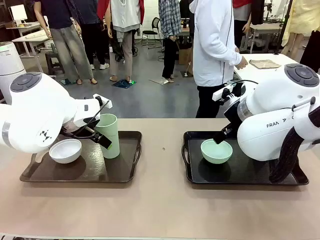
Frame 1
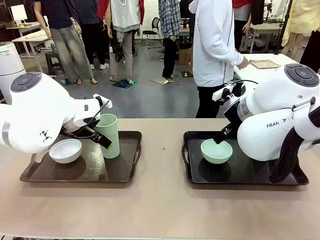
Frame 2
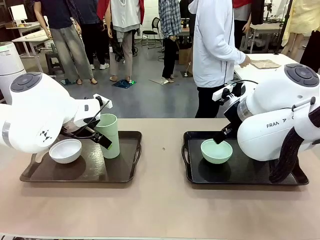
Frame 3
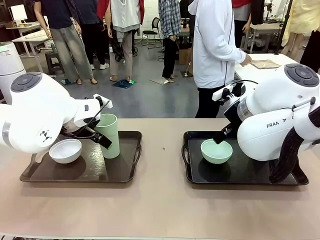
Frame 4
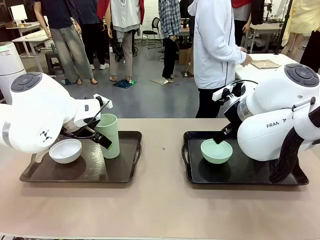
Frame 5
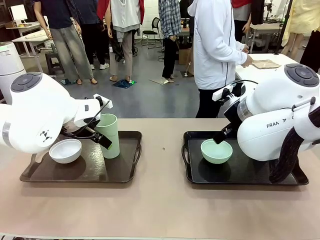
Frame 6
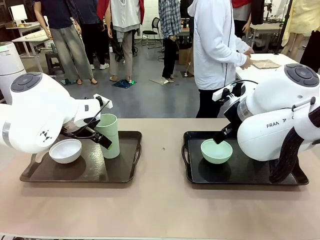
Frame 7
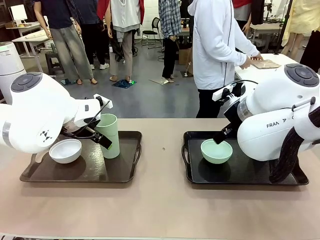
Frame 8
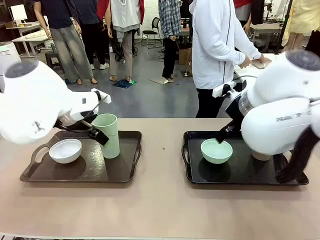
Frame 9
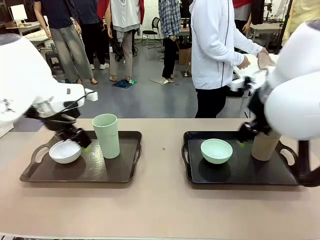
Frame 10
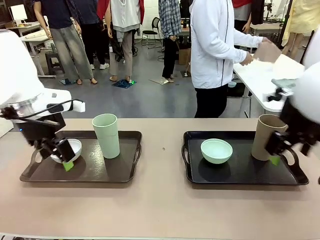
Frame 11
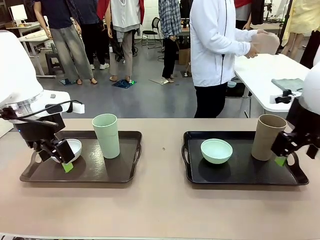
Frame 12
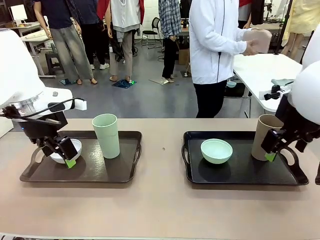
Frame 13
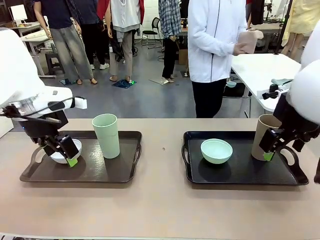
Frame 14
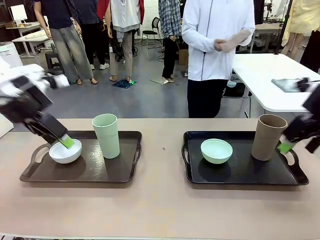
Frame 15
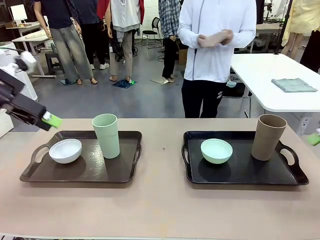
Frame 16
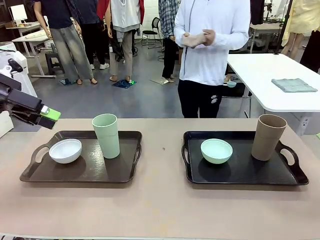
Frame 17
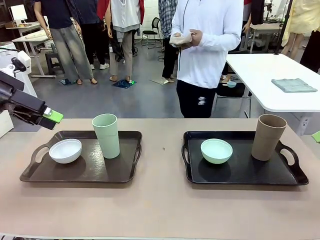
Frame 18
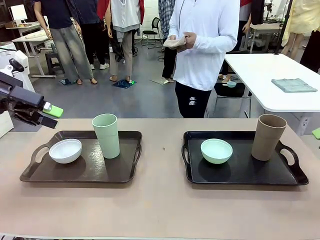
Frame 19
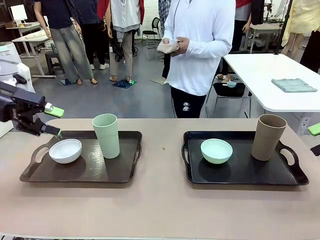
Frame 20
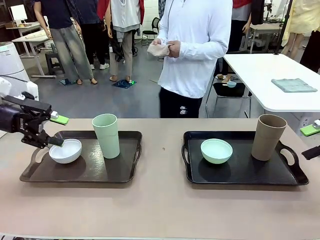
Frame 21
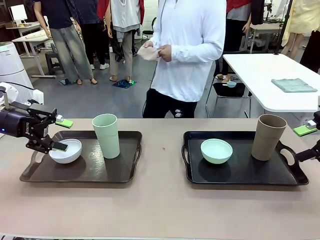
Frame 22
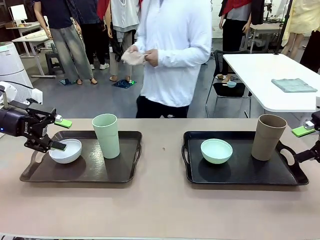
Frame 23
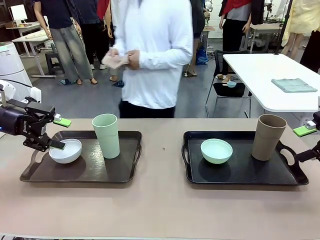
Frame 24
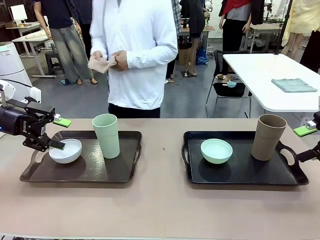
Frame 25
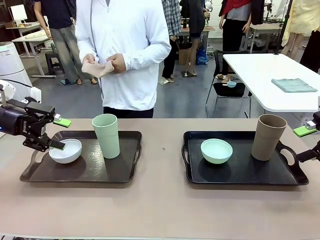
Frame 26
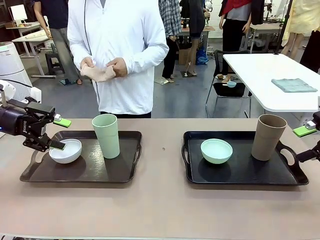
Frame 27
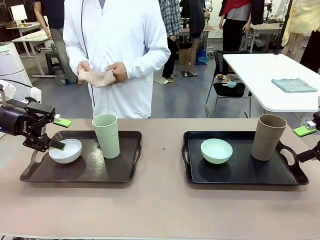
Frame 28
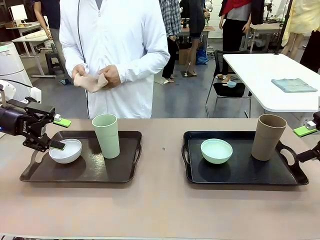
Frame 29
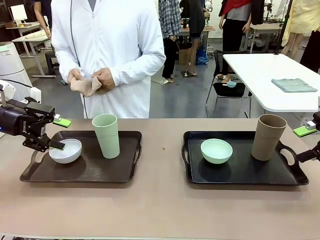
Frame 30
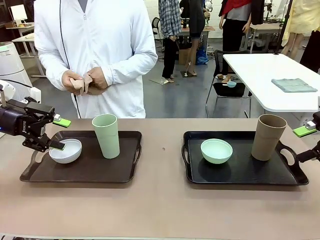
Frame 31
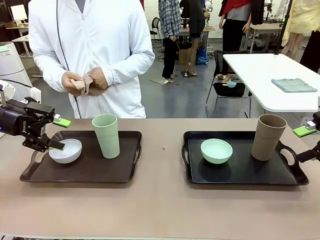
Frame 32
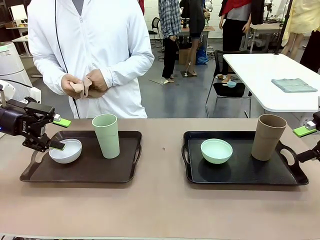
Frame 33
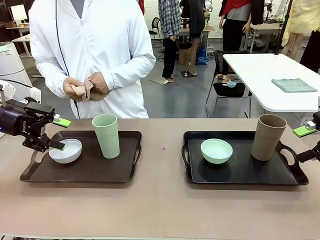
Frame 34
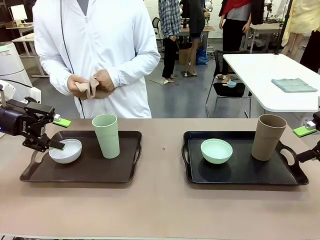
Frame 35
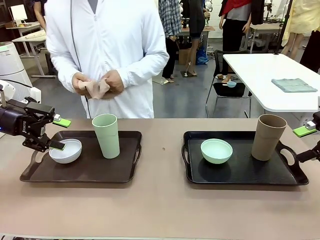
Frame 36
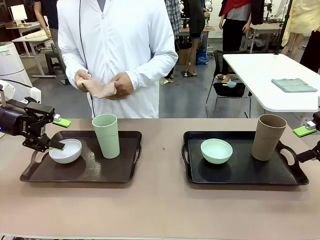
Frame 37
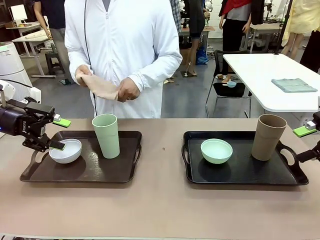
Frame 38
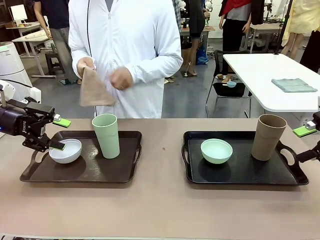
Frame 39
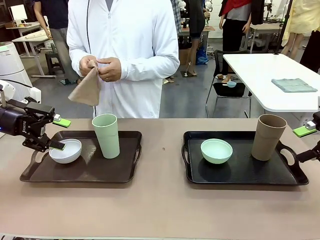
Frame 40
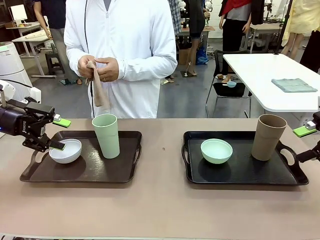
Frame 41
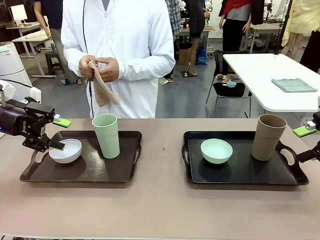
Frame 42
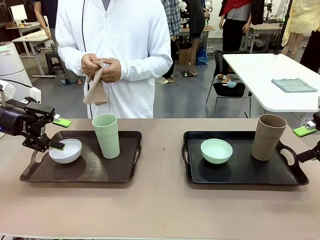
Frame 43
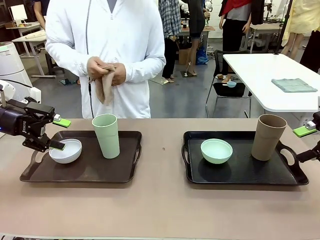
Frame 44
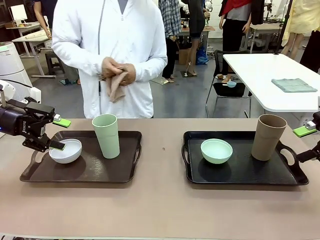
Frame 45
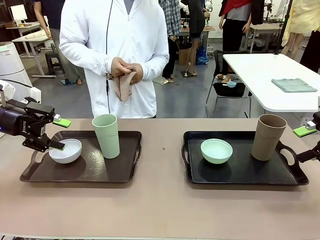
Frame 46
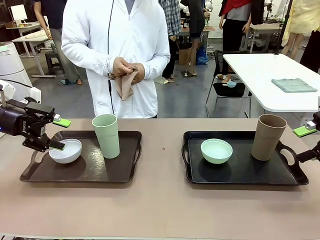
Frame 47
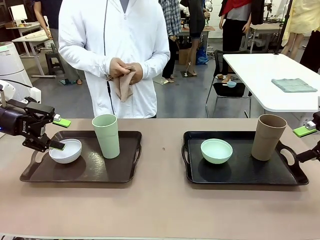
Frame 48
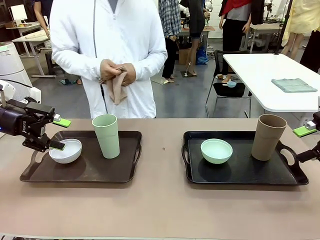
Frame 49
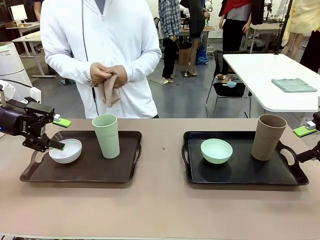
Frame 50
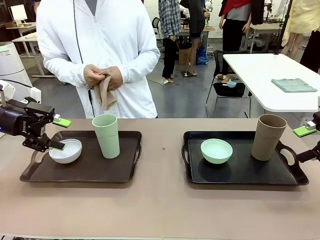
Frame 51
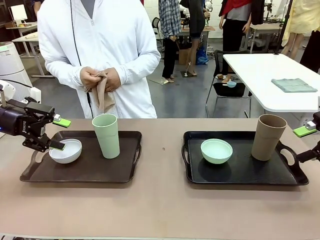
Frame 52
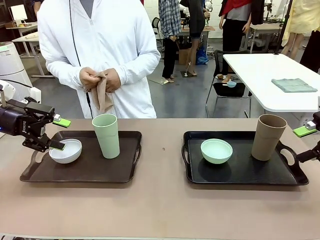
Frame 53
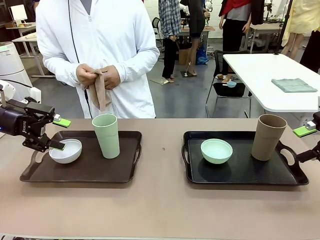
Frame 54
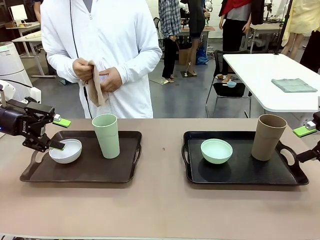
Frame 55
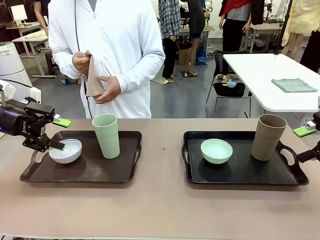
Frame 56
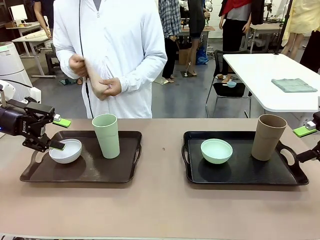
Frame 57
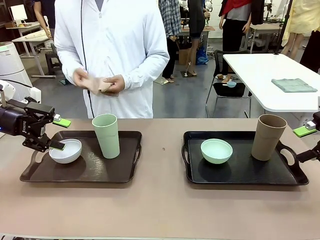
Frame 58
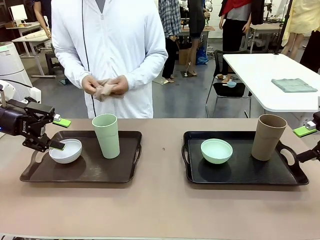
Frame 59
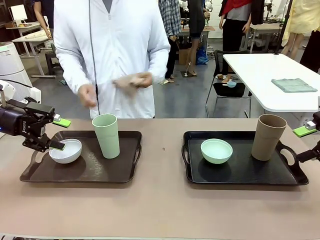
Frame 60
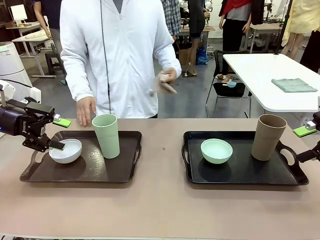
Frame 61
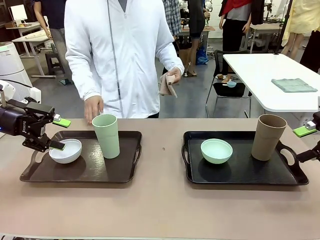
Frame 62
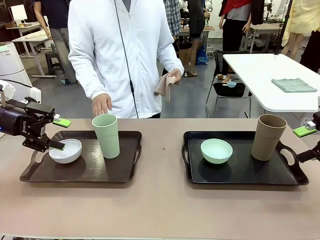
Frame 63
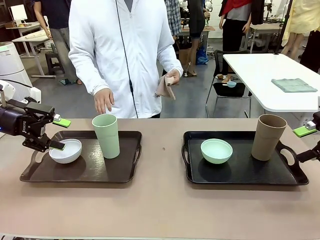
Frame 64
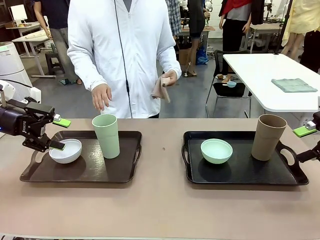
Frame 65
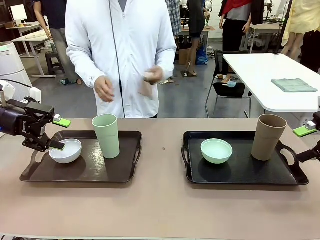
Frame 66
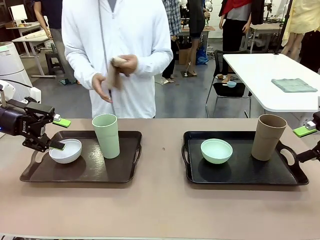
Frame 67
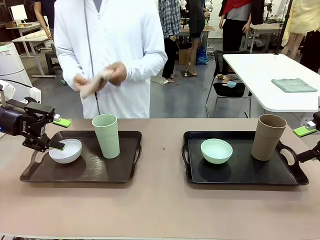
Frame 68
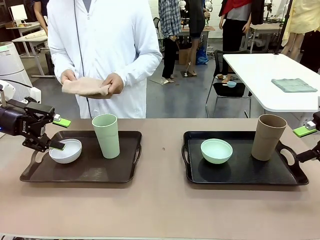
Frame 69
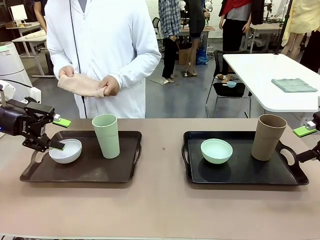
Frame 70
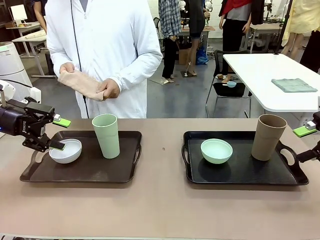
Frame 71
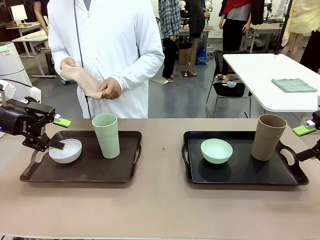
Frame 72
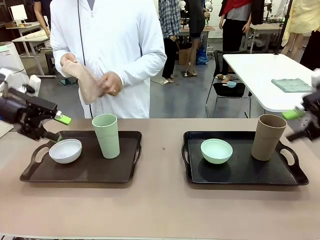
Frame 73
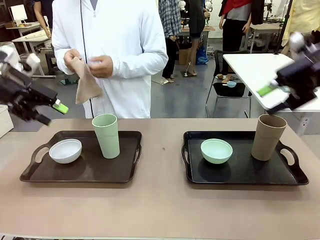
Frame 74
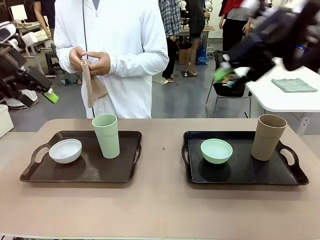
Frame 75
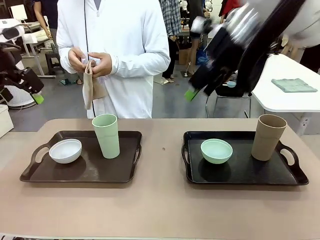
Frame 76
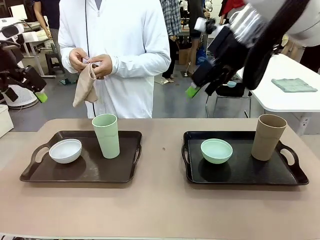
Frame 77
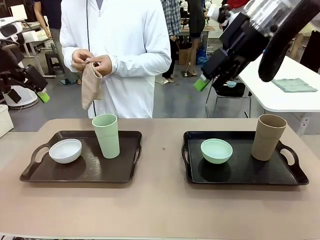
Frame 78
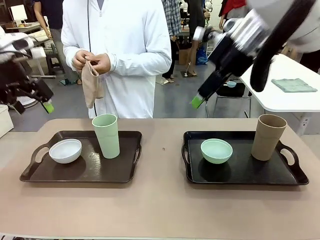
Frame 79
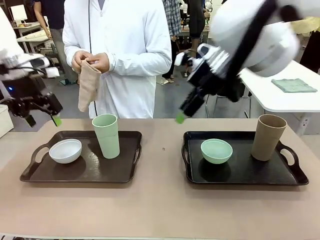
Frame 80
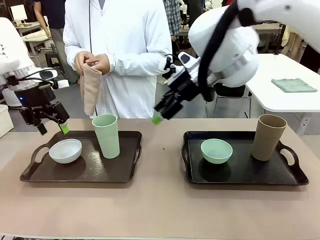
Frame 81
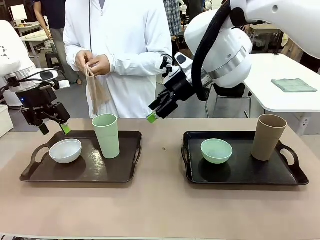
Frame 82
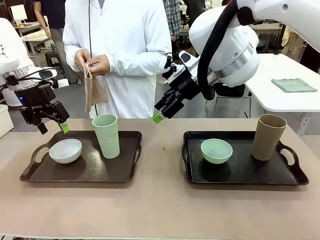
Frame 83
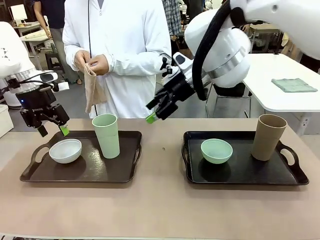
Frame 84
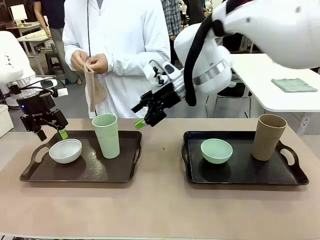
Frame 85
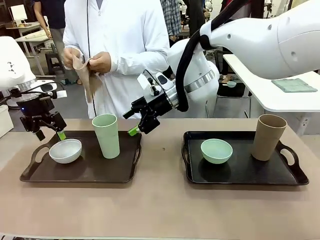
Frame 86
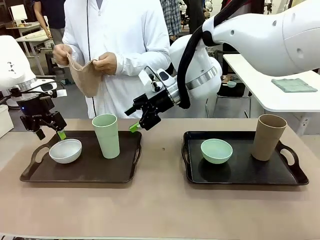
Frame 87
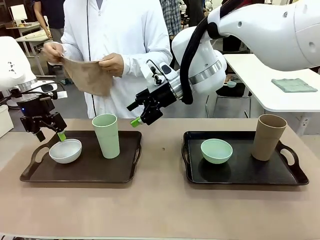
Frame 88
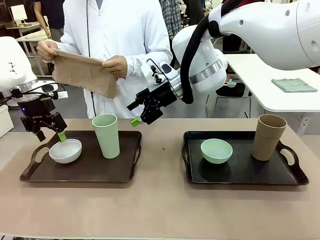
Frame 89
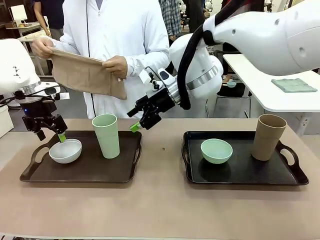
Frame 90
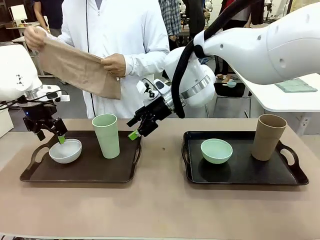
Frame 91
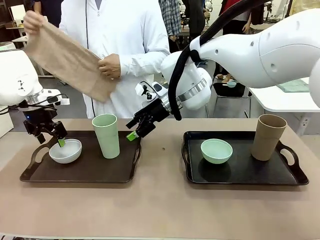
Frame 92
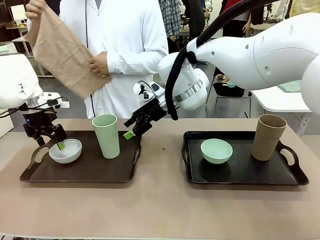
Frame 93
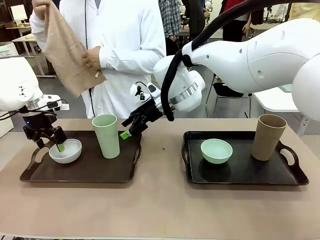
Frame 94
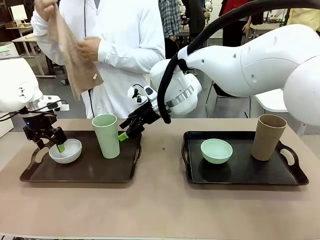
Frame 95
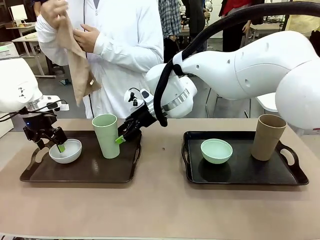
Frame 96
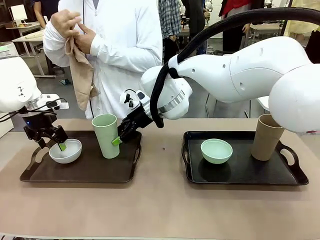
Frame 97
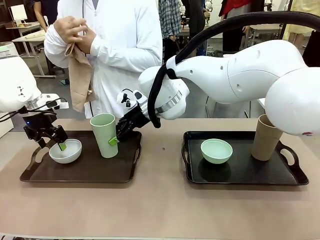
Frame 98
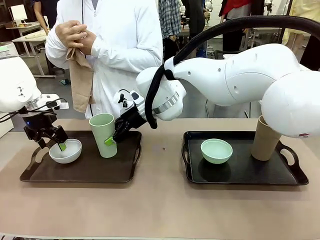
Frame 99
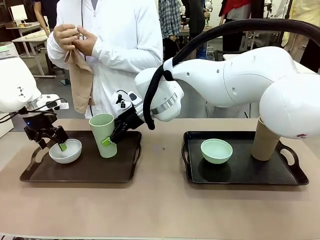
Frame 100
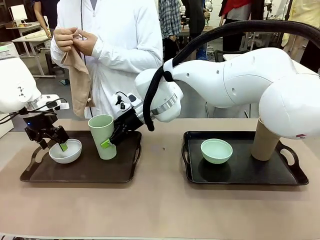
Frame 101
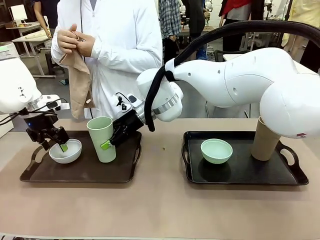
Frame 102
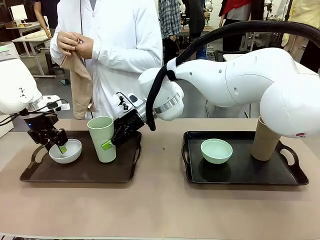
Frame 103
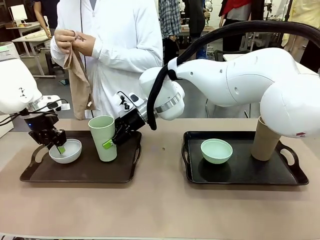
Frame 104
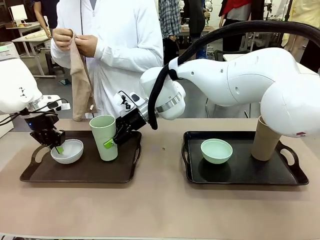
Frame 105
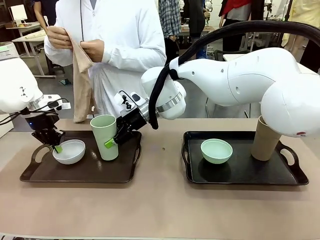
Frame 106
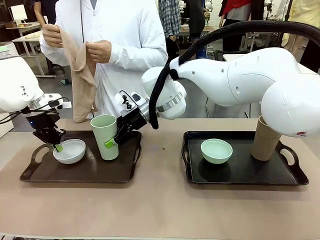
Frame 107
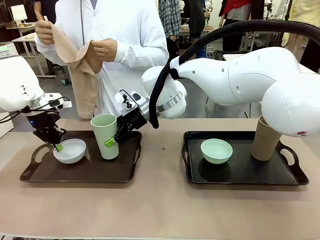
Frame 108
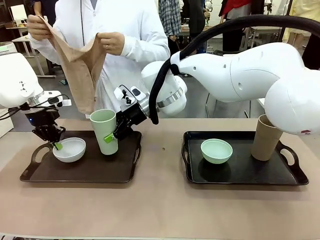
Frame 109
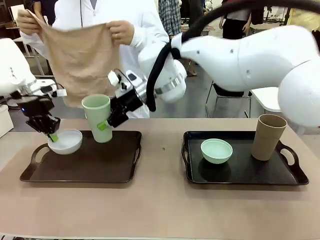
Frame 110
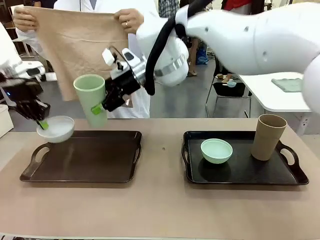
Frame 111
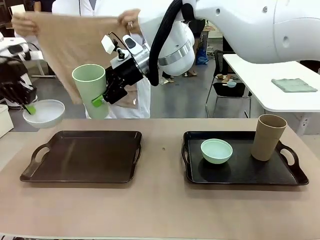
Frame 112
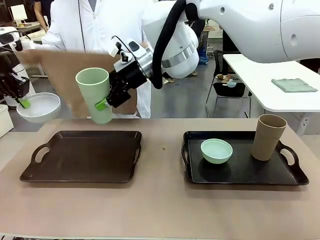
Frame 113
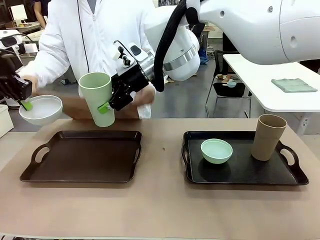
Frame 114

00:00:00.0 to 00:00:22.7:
Robot: Pick up the Picnic Bowl and Reusable plastic cup from the Handle tray in front of the human's position and hold them in the air.
Person: The human picks up the top napkin from the stack on the human table and walks to the robot table to stand in front of one of the two trays. When the robot lifts the bowl and the cup, the human unfolds the napkin and lays the napkin flat on the tray.
